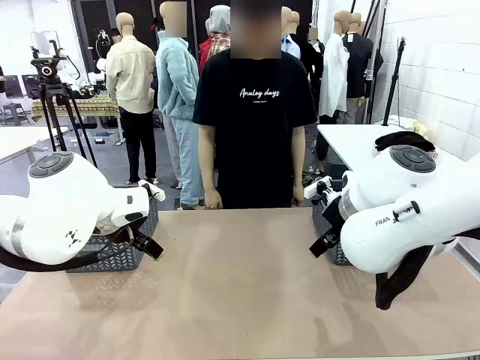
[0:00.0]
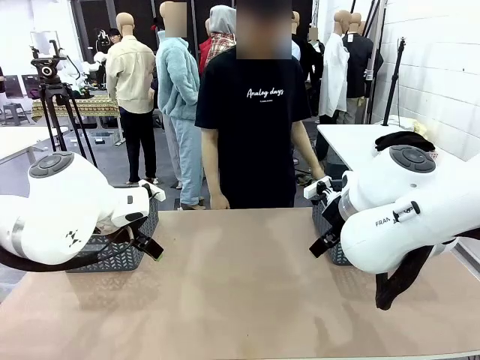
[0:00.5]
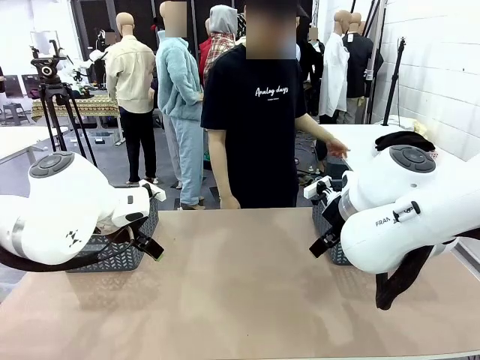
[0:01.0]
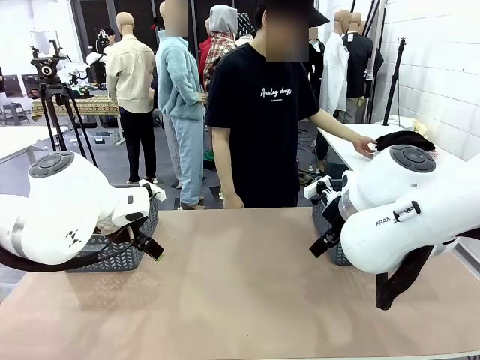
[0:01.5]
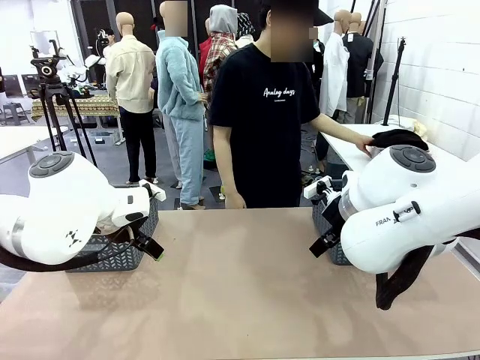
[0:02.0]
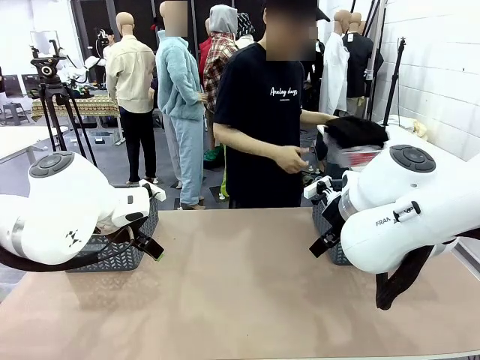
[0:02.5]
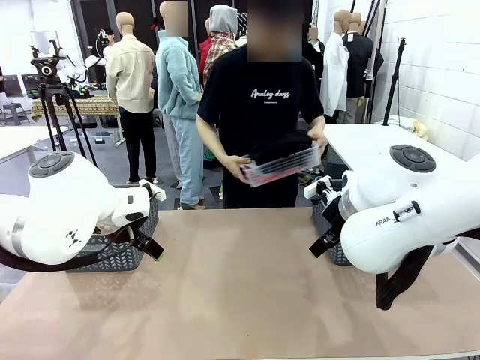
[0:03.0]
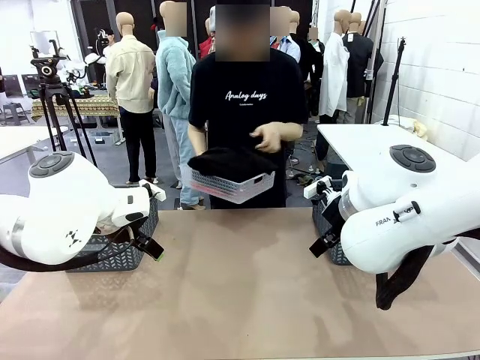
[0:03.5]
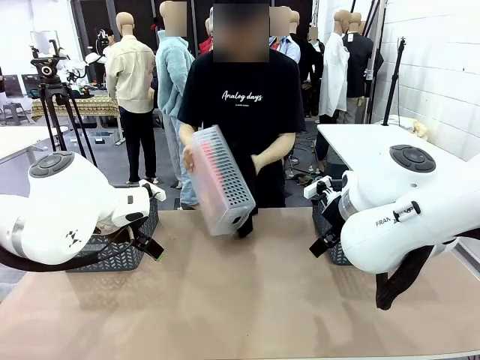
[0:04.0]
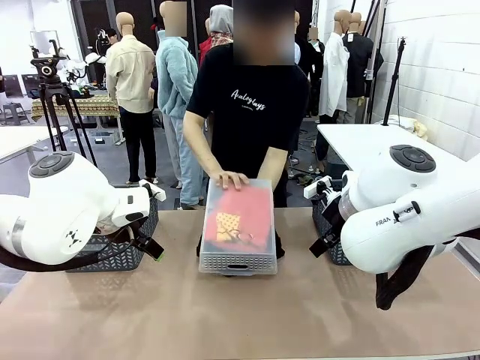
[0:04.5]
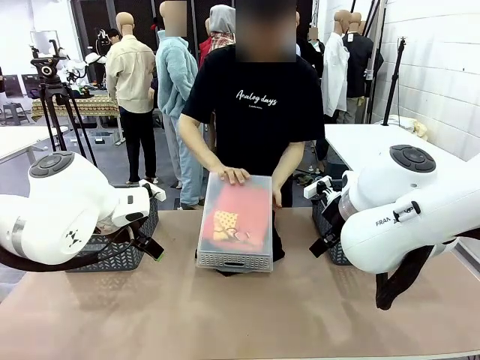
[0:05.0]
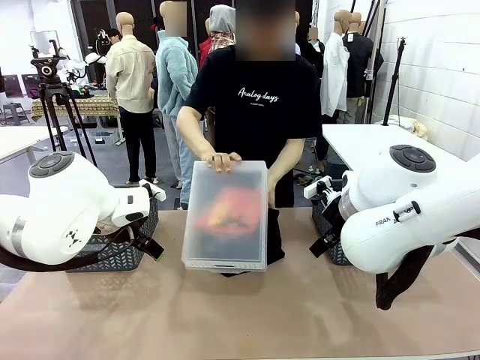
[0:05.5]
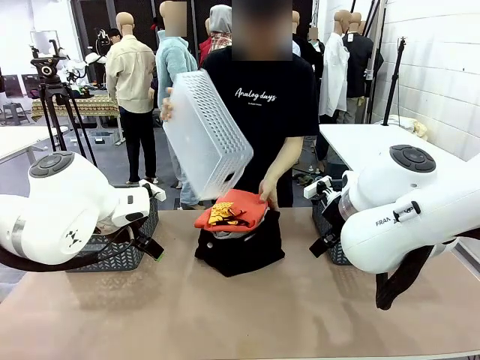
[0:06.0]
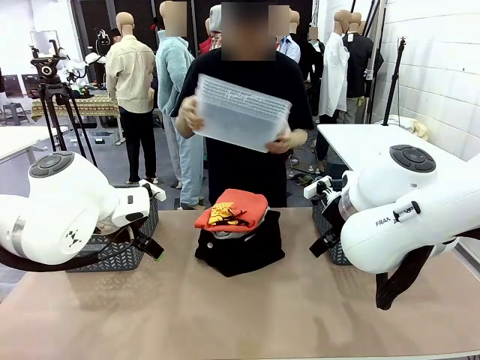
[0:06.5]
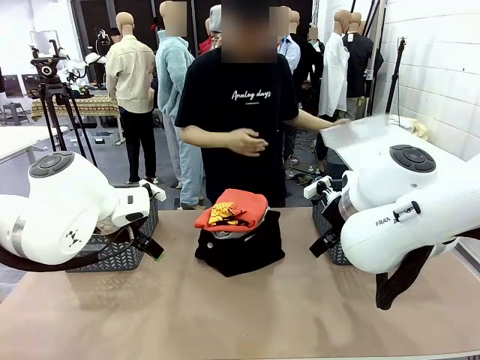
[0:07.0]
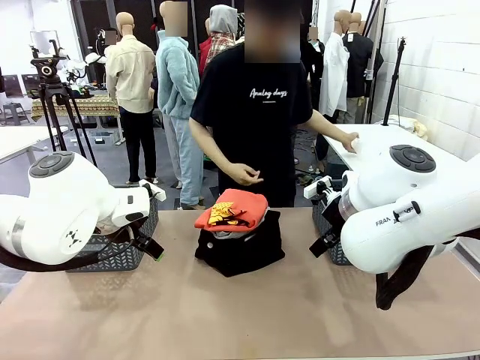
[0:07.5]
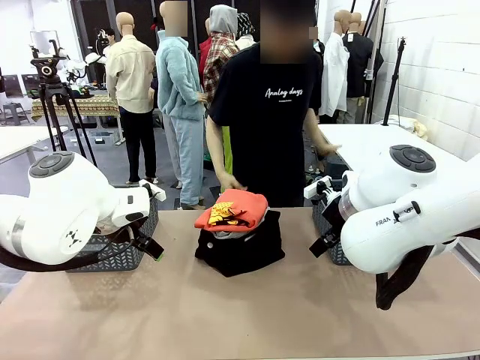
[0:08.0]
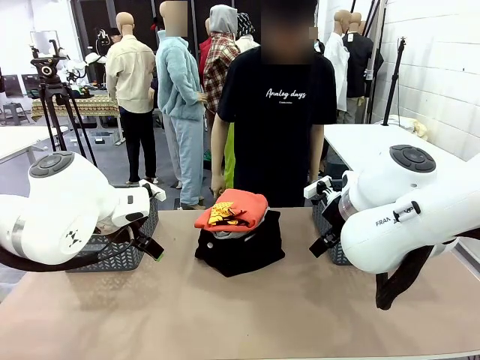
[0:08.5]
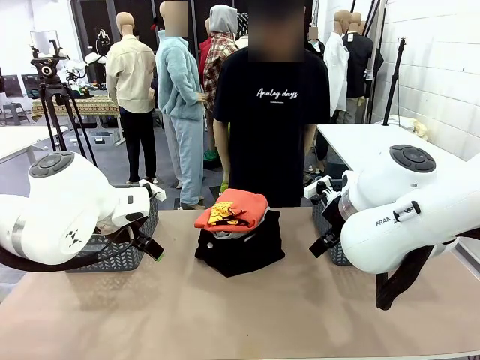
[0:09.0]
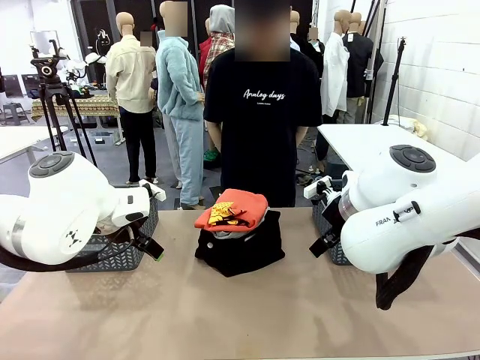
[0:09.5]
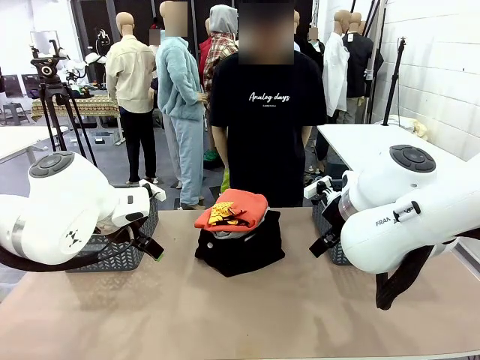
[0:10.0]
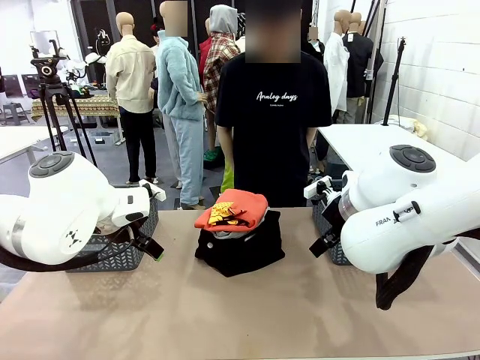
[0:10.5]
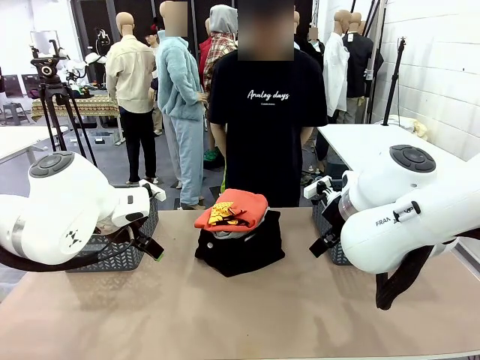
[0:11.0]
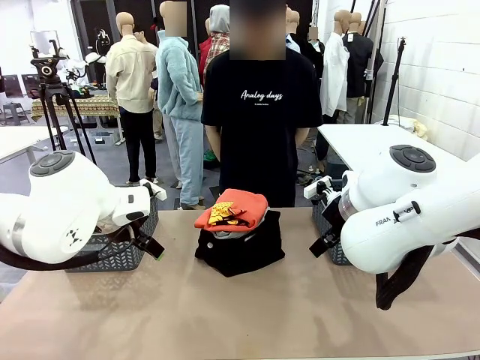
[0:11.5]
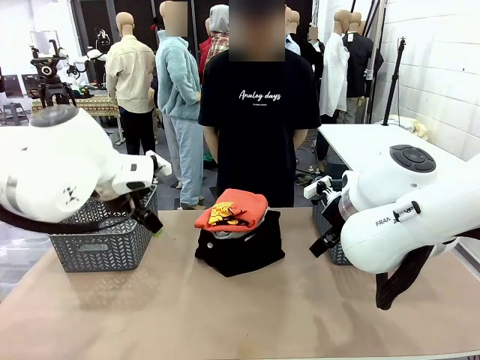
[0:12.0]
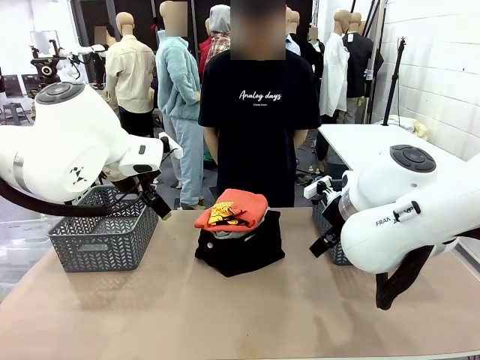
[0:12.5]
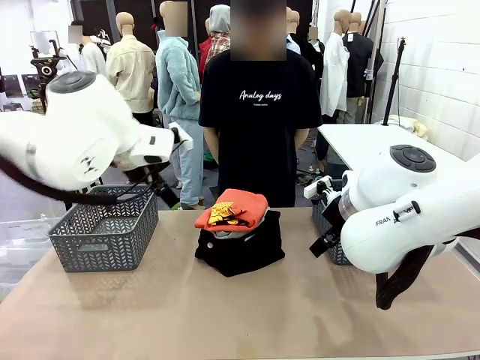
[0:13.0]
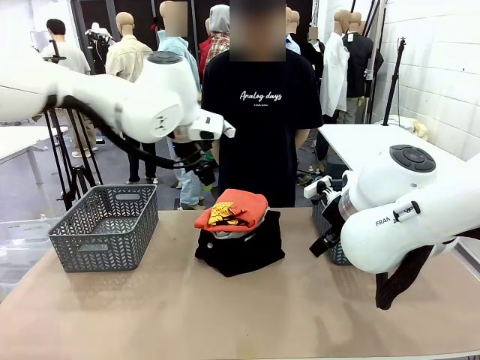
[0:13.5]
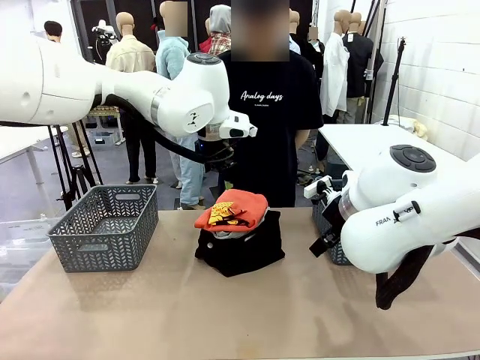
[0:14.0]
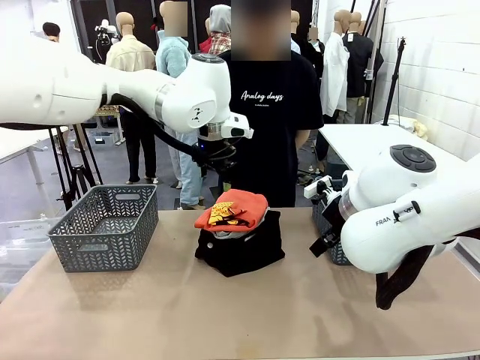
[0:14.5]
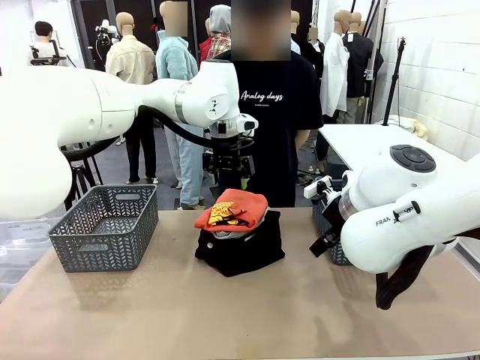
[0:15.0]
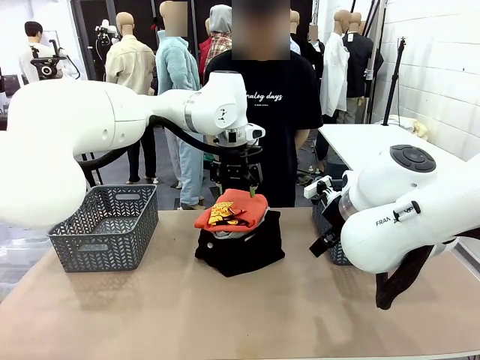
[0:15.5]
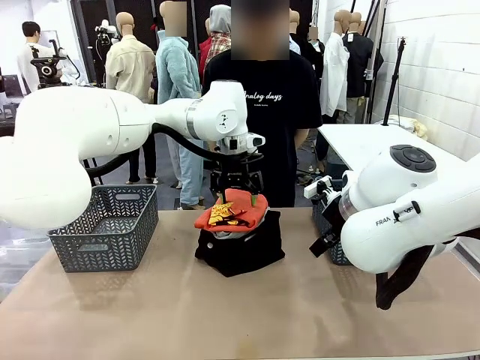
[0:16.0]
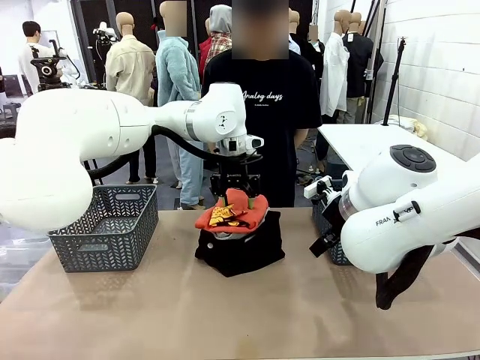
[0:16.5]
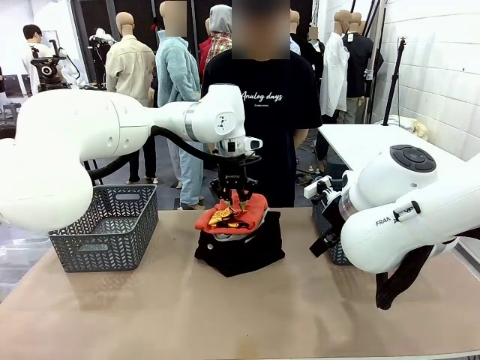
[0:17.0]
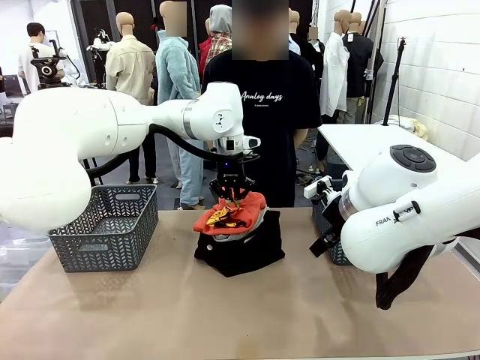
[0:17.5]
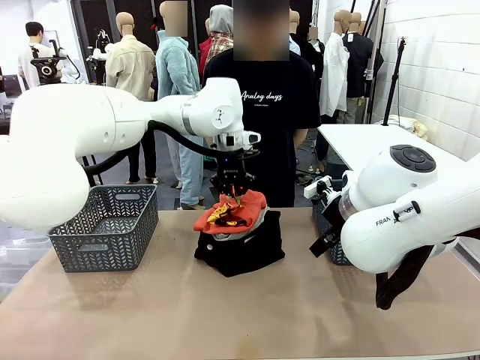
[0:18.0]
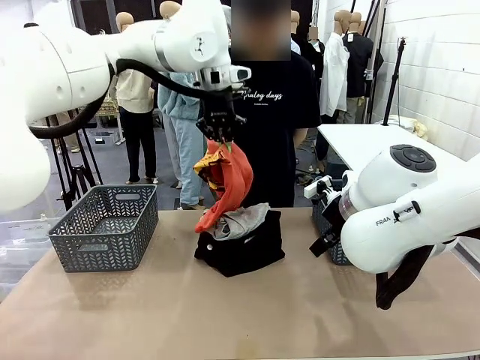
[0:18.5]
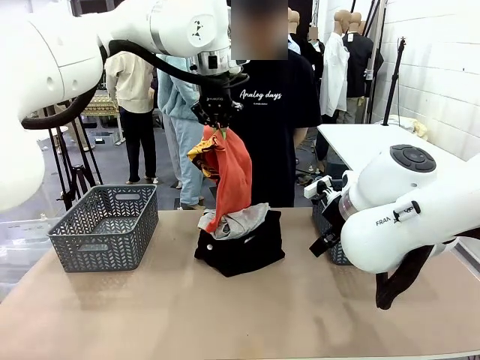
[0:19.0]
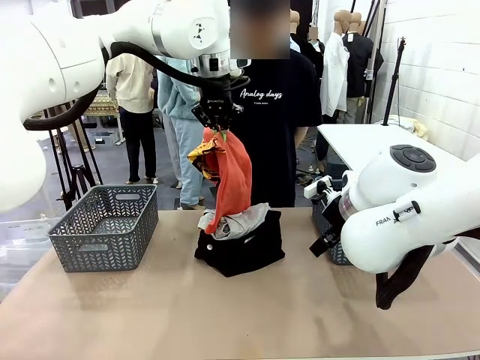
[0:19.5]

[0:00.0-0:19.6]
Task: Sort the tops and bottoms.
Robot: Lift clothes from the center of the table with your left hand.
Person: Pour the clothes from the basket onto the center of the robot table.

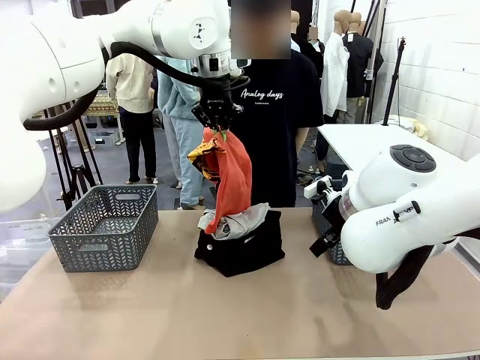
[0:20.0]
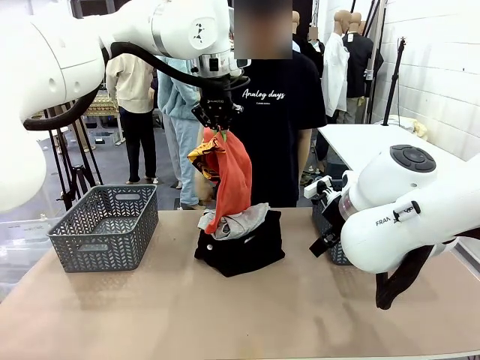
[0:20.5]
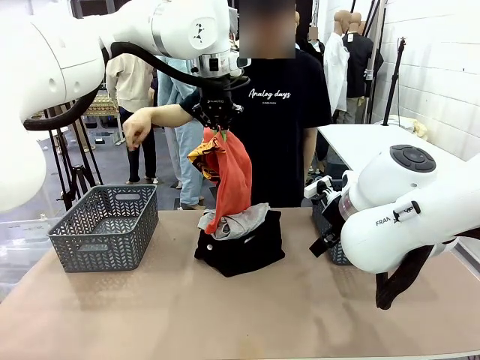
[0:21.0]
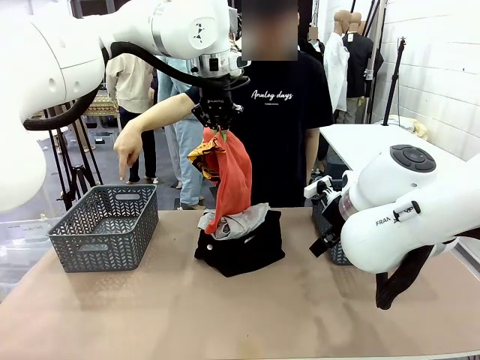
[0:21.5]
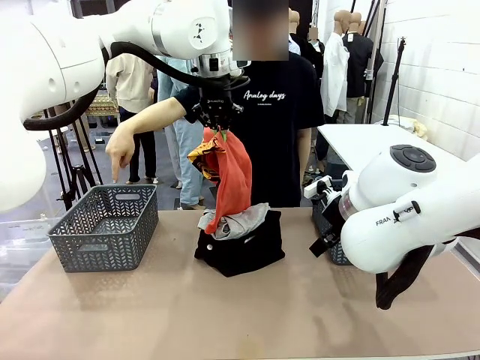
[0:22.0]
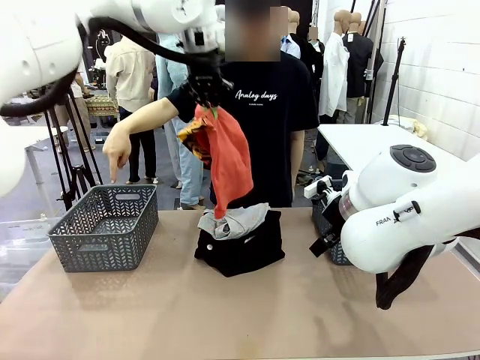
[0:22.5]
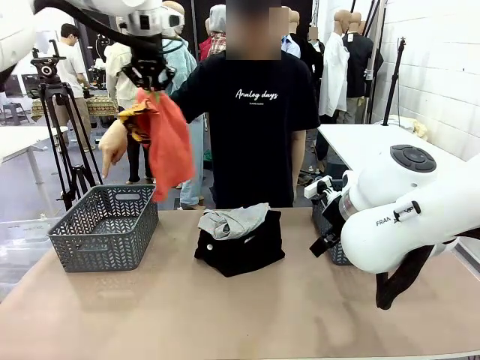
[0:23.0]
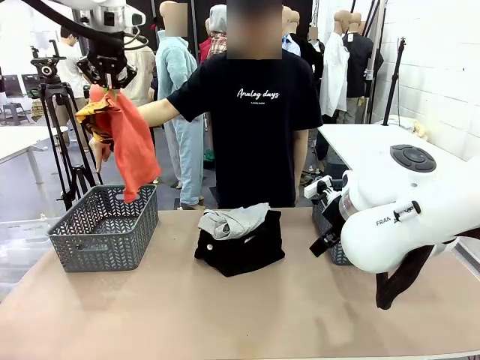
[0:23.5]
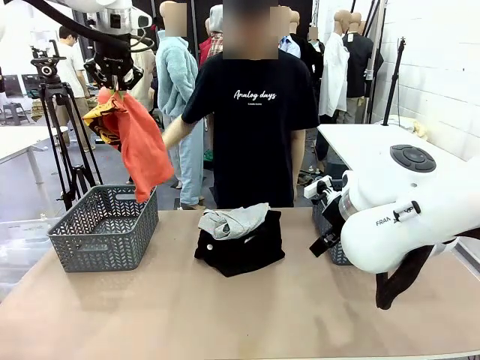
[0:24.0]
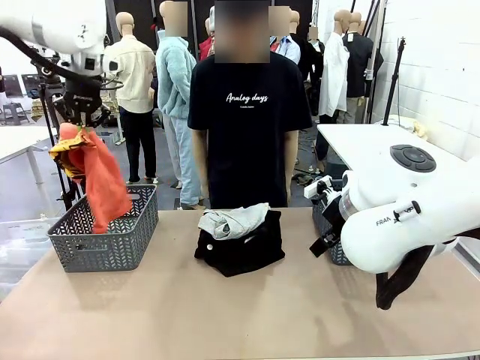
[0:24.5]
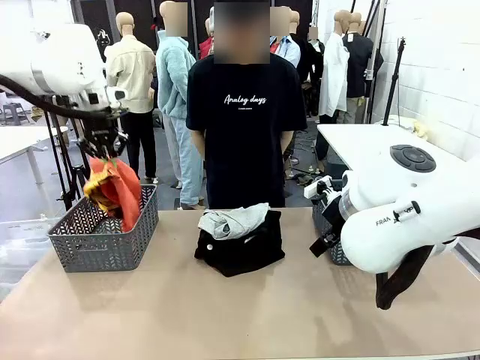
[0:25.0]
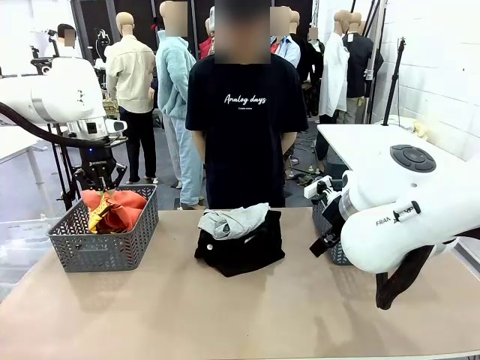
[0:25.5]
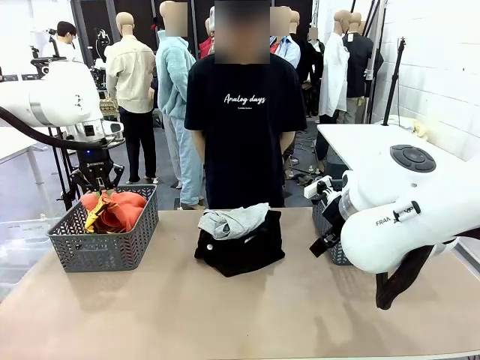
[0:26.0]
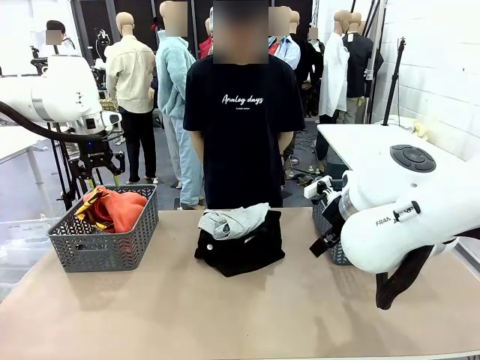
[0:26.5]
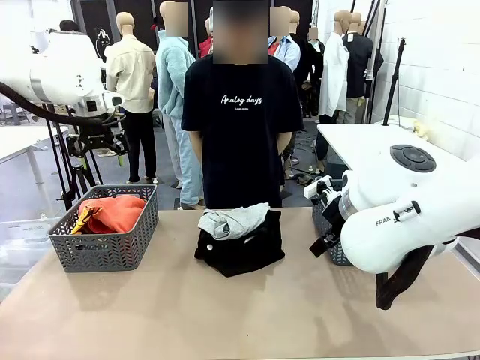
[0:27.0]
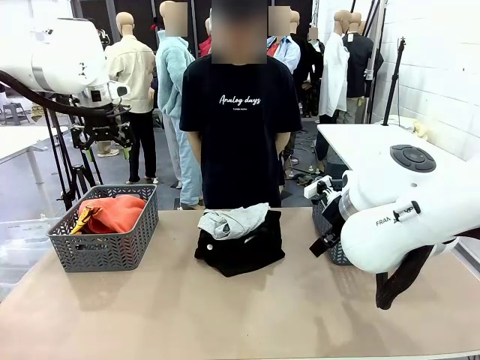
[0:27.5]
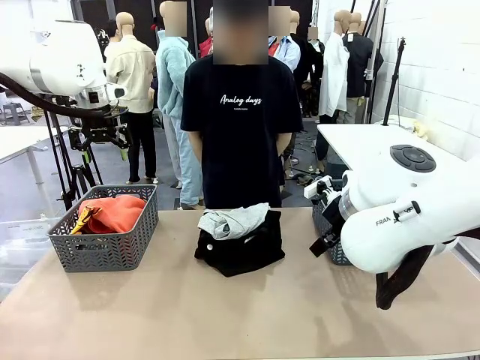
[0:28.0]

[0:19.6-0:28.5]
Robot: Sort the clothes according to human instructions.
